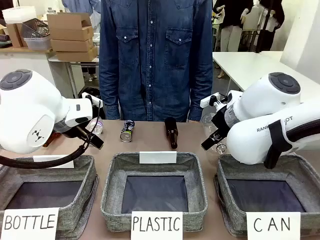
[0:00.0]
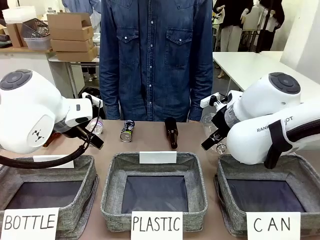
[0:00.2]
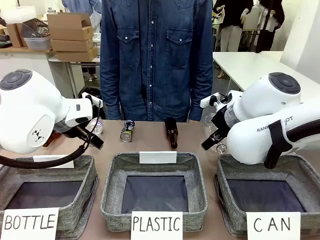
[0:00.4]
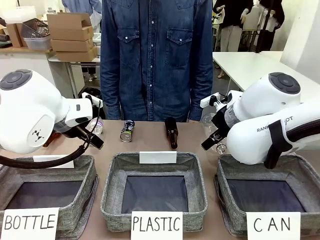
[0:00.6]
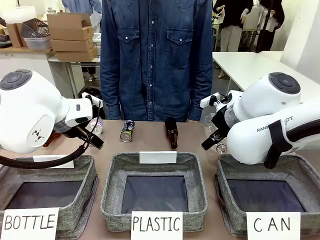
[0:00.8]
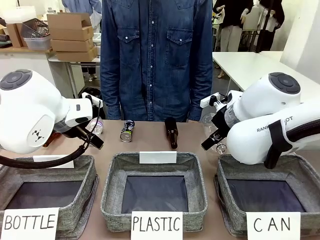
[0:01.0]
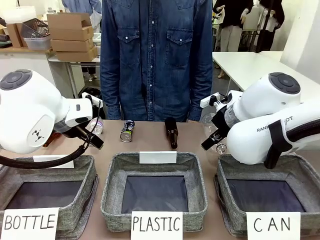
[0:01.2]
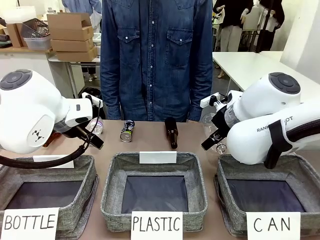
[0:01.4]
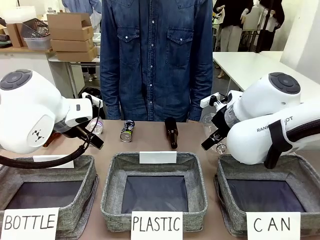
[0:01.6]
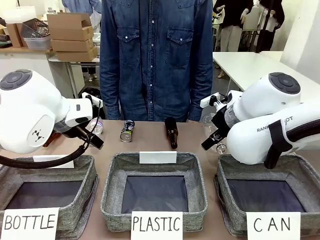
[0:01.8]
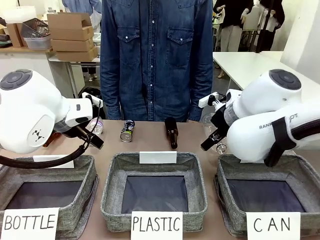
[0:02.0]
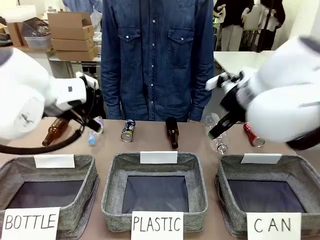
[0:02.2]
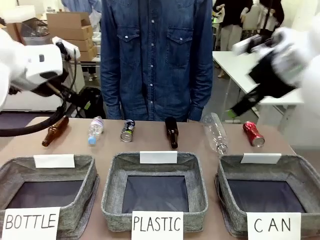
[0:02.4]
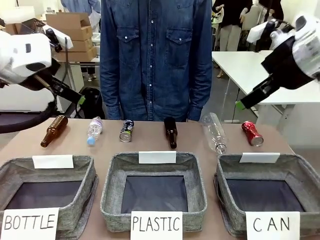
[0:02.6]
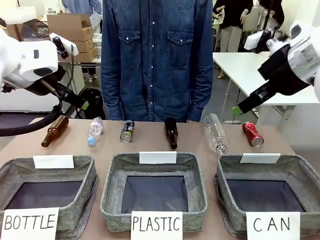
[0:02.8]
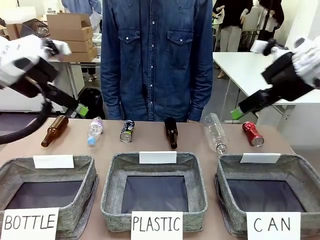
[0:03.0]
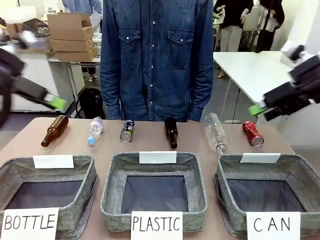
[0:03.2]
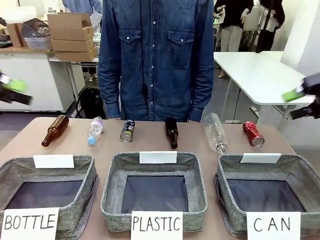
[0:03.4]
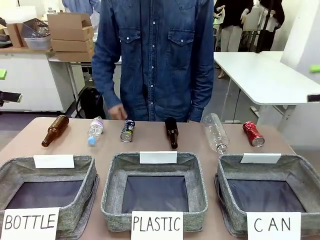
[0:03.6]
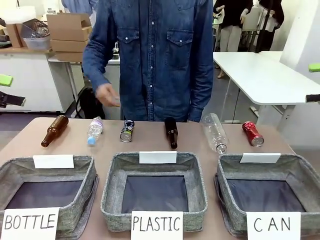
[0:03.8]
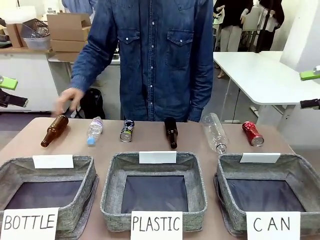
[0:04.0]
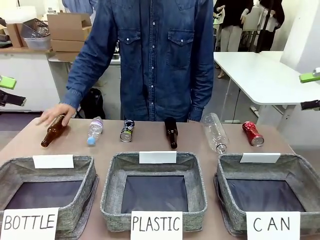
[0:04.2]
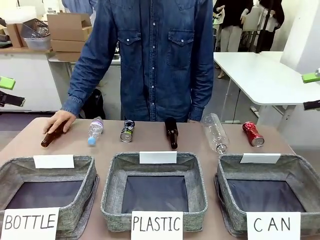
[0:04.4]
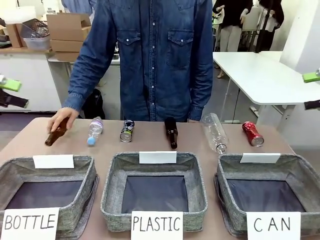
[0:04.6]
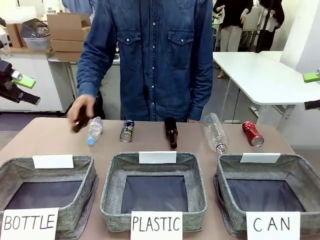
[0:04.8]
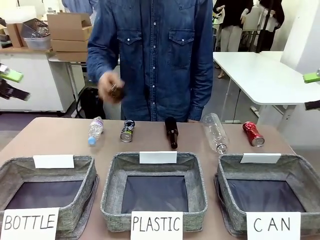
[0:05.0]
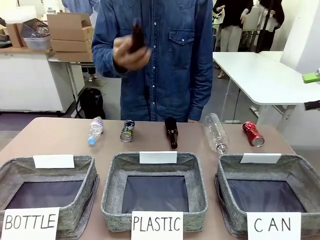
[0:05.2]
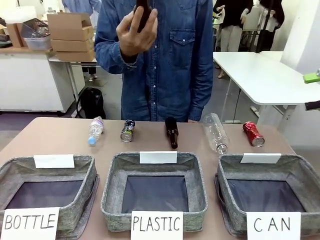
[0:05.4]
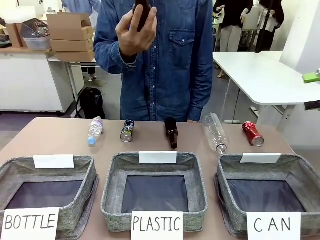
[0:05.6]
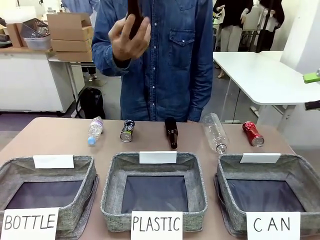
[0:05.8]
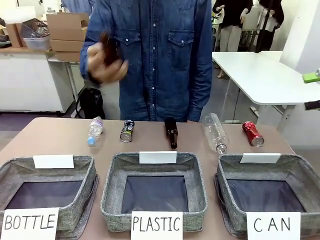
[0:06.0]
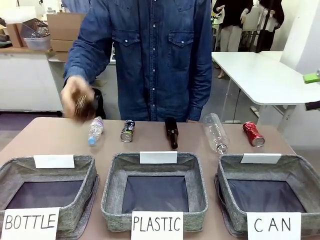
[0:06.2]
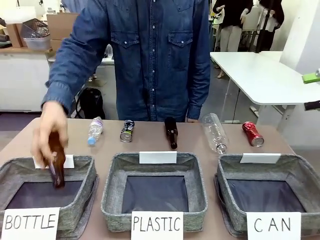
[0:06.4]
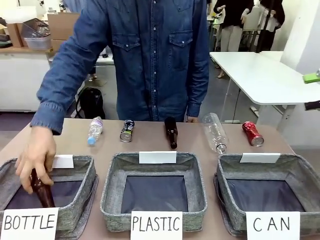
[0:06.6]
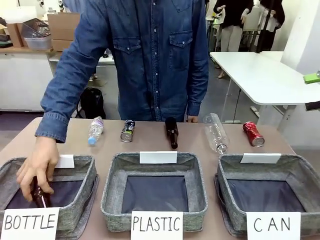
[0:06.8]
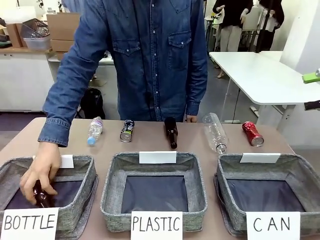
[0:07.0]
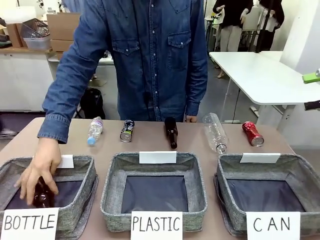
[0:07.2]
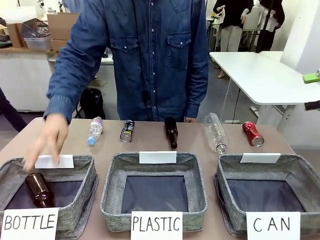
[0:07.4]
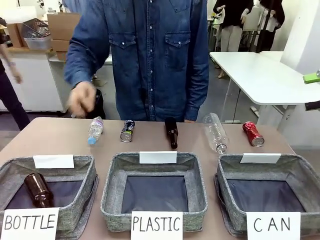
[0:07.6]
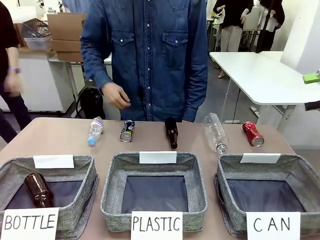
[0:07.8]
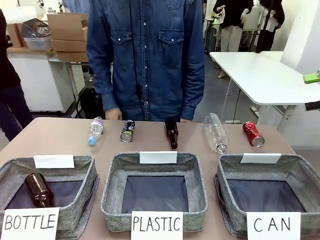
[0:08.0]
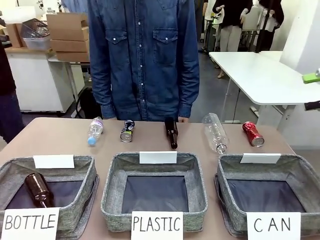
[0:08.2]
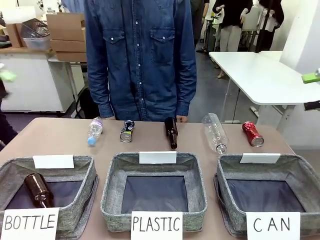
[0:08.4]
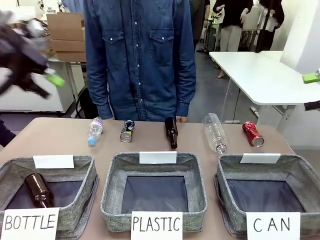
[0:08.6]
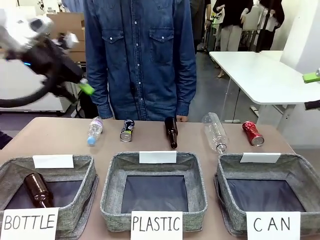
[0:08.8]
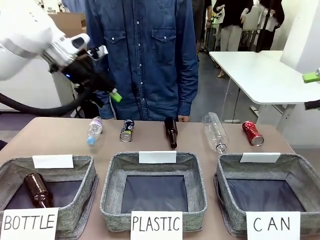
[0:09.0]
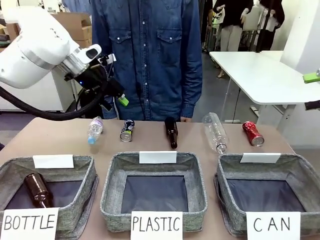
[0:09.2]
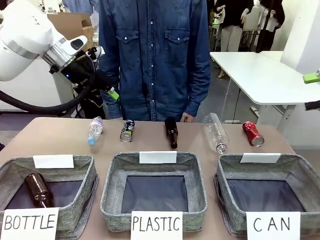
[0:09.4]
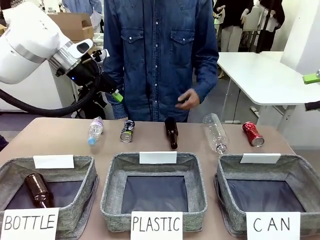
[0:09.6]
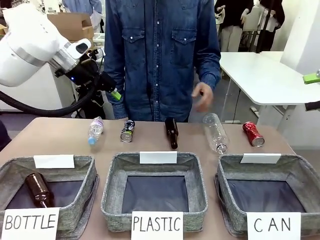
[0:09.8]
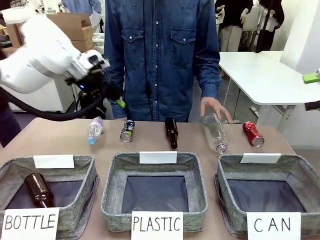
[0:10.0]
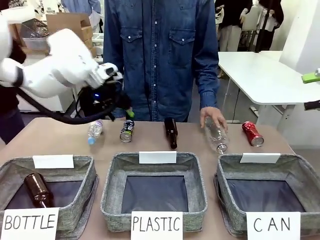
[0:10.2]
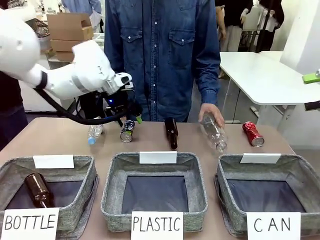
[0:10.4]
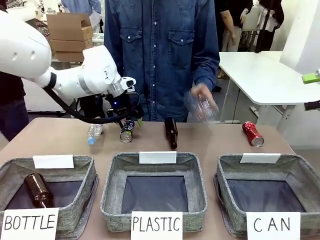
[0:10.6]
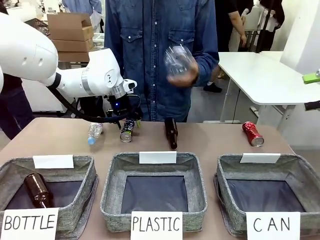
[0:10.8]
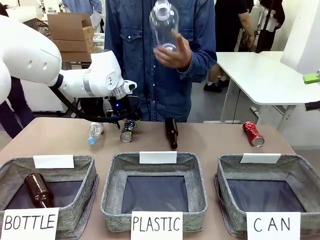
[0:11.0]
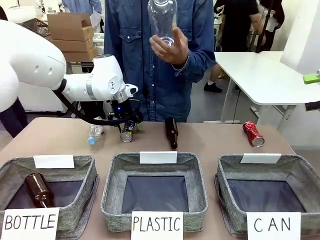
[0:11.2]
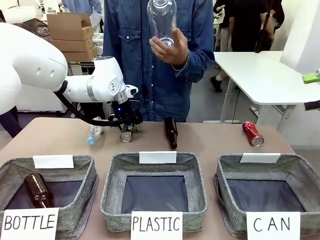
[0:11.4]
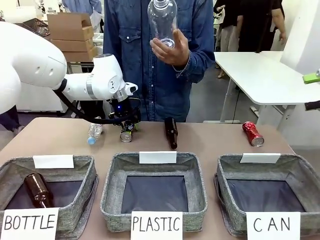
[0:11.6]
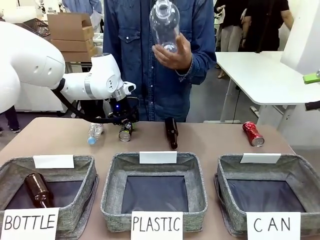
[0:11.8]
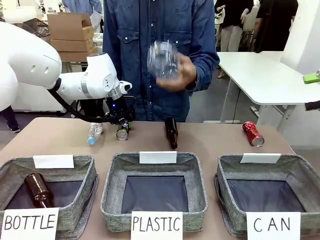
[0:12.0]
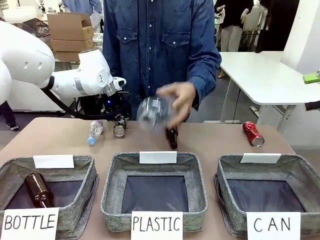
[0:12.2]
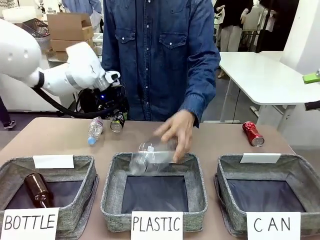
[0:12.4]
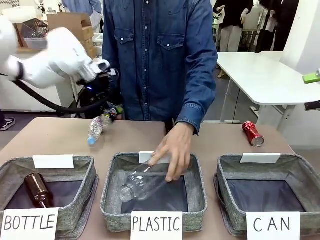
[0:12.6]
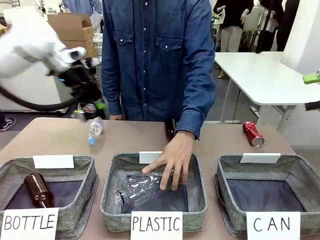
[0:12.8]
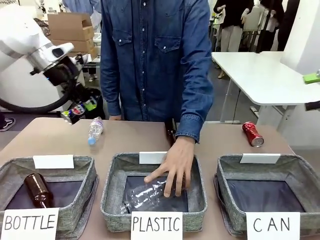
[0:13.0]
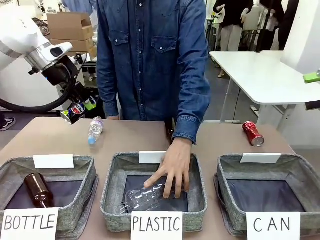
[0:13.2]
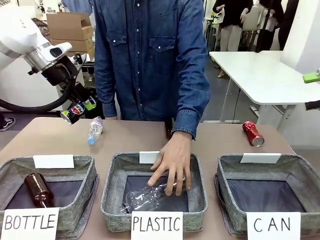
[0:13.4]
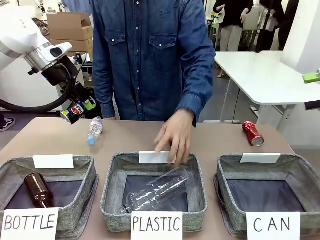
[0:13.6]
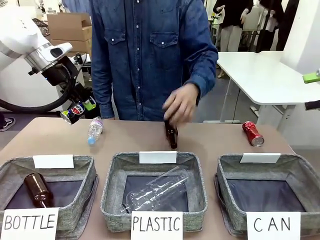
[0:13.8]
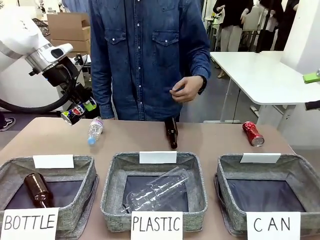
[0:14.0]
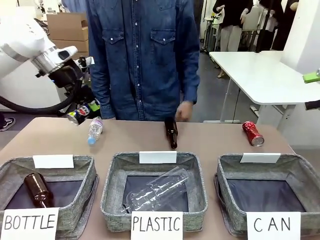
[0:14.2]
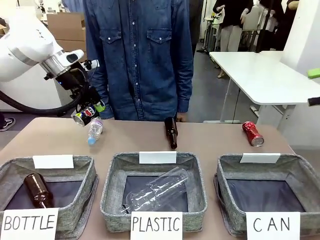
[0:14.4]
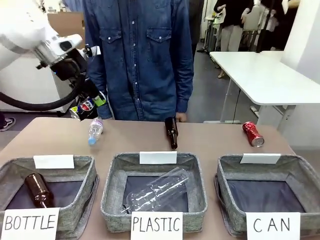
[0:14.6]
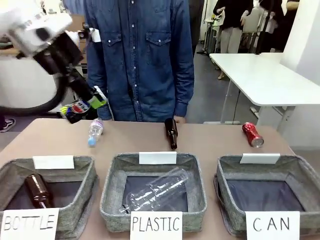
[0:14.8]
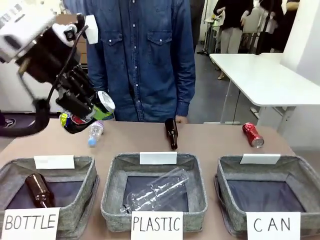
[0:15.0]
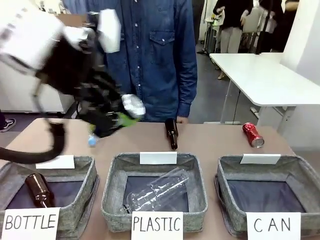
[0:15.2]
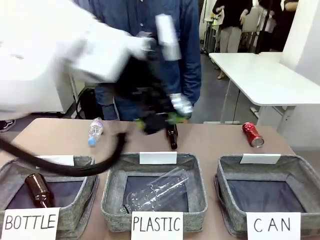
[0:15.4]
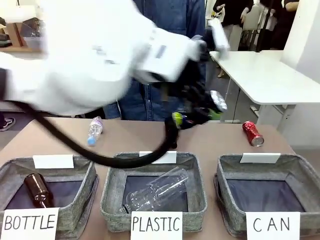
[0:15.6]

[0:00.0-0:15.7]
Task: Sort the can waste into the basket.
Robot: Pick up the can waste from the table and place it in the right Fabric basket.
